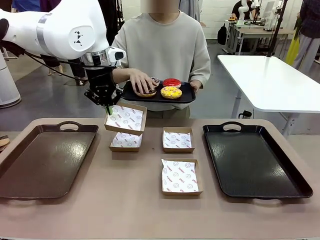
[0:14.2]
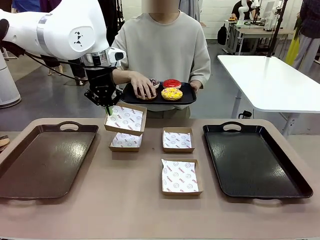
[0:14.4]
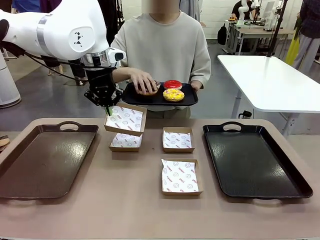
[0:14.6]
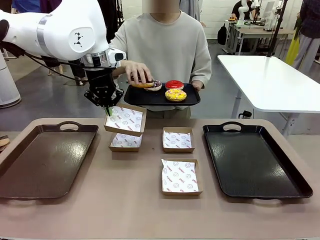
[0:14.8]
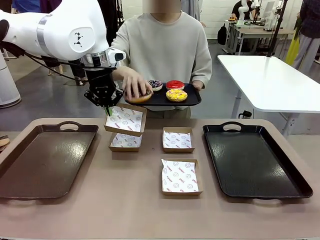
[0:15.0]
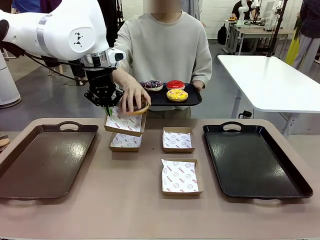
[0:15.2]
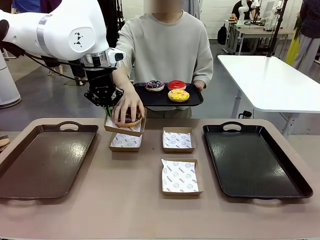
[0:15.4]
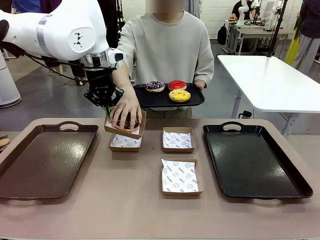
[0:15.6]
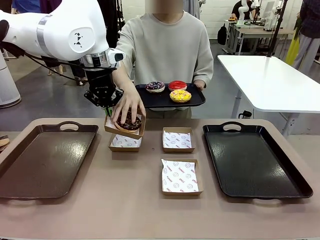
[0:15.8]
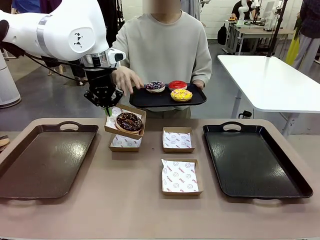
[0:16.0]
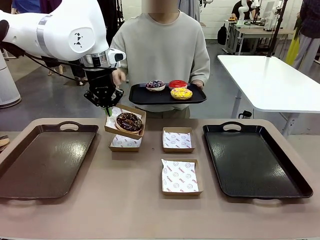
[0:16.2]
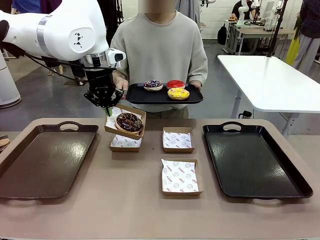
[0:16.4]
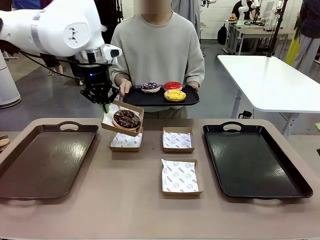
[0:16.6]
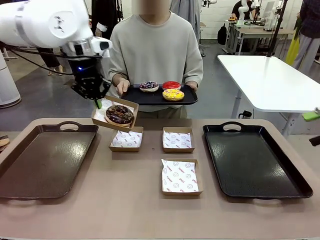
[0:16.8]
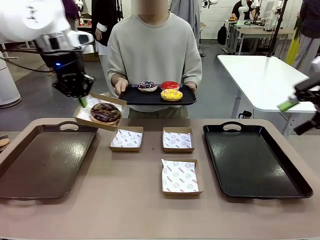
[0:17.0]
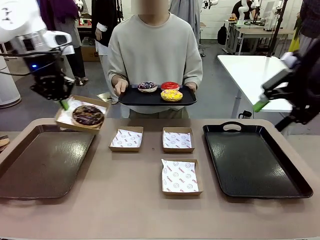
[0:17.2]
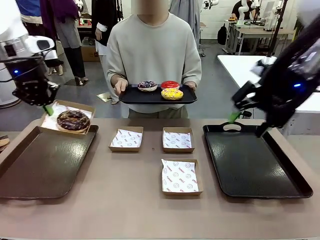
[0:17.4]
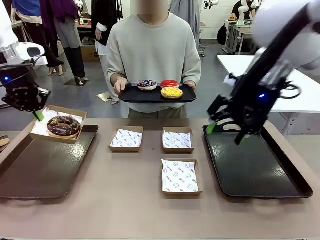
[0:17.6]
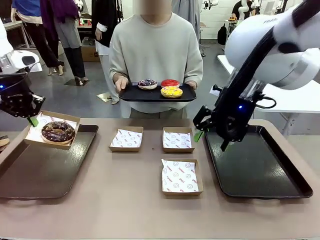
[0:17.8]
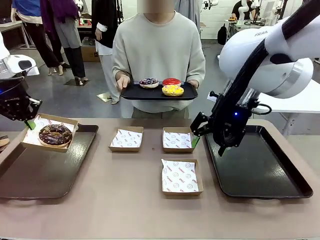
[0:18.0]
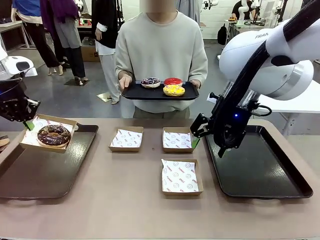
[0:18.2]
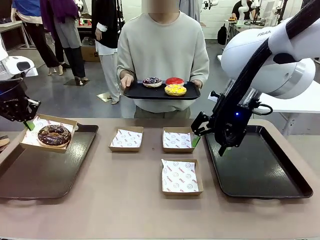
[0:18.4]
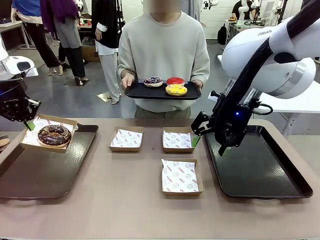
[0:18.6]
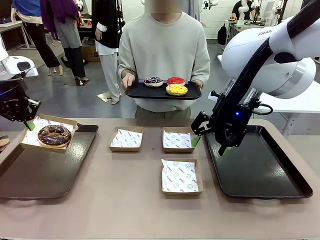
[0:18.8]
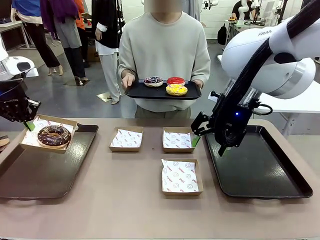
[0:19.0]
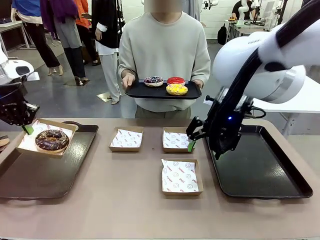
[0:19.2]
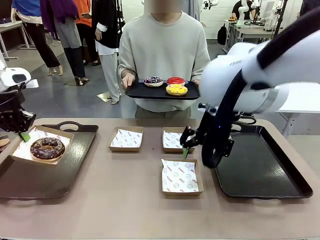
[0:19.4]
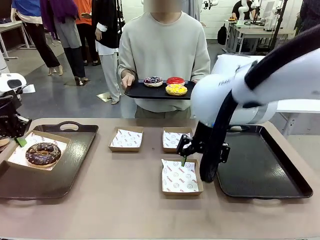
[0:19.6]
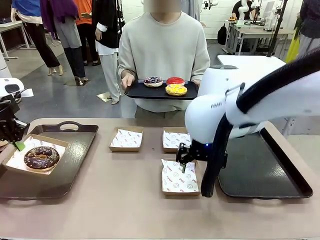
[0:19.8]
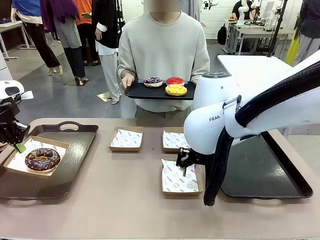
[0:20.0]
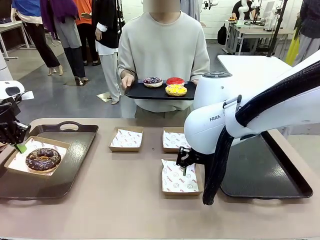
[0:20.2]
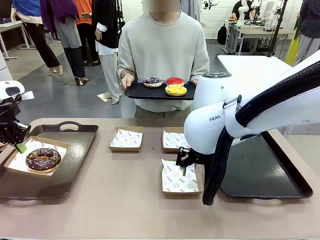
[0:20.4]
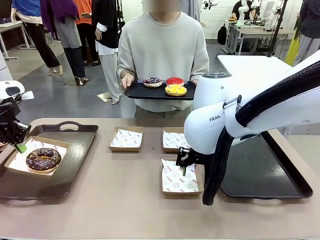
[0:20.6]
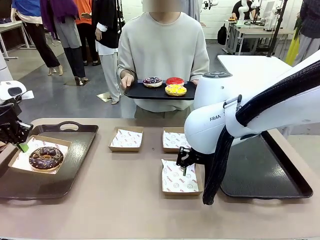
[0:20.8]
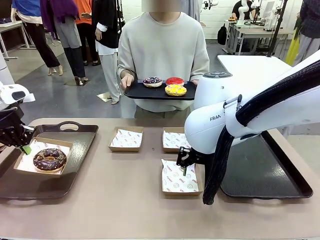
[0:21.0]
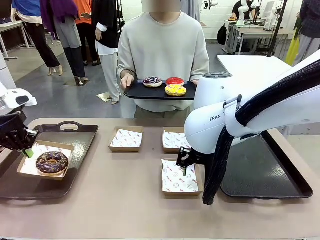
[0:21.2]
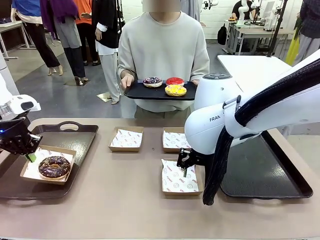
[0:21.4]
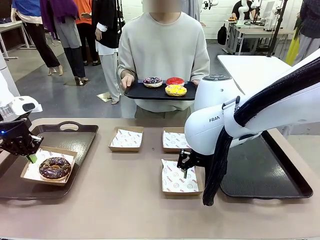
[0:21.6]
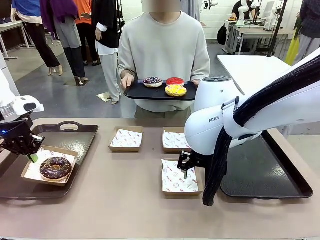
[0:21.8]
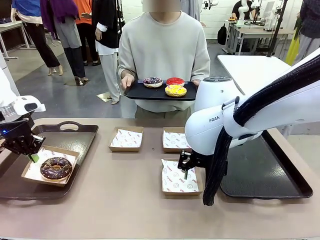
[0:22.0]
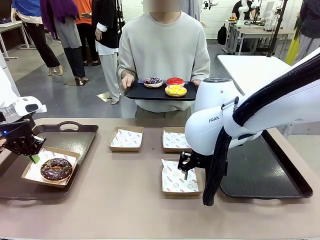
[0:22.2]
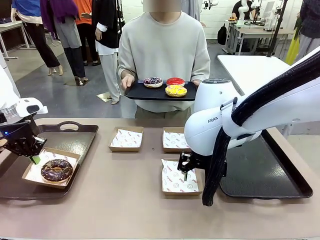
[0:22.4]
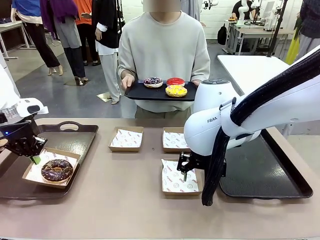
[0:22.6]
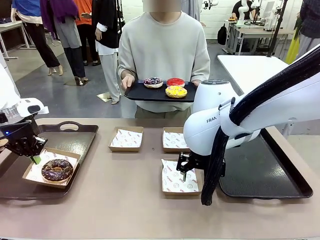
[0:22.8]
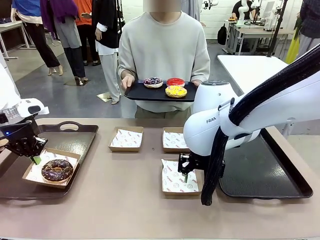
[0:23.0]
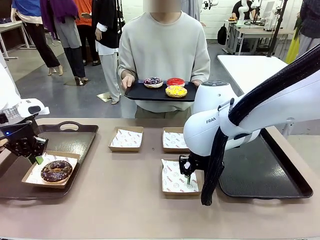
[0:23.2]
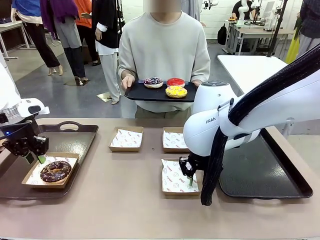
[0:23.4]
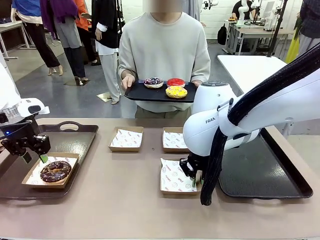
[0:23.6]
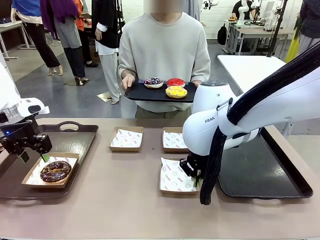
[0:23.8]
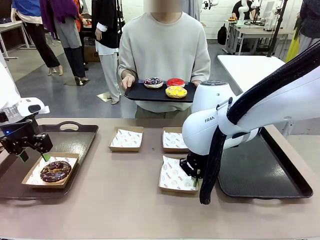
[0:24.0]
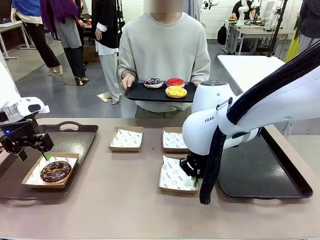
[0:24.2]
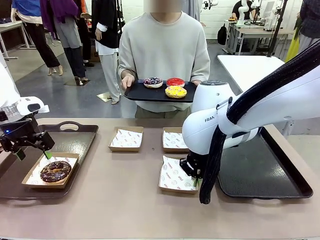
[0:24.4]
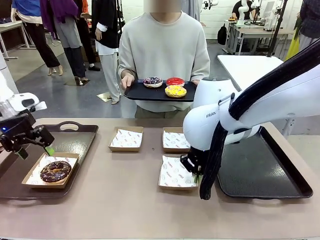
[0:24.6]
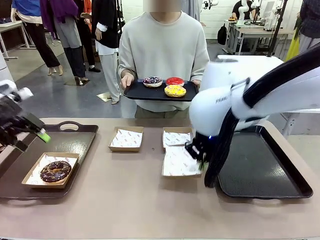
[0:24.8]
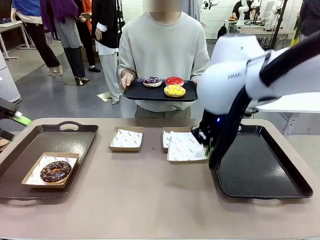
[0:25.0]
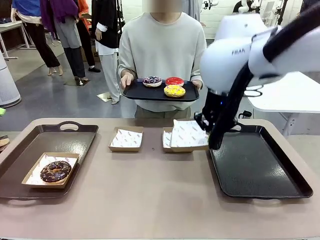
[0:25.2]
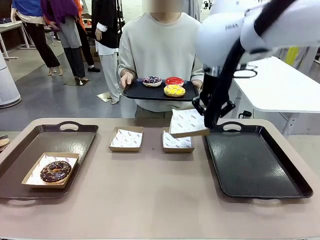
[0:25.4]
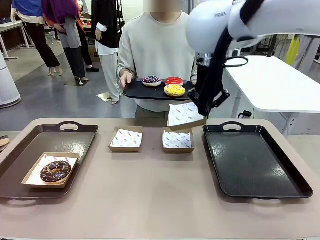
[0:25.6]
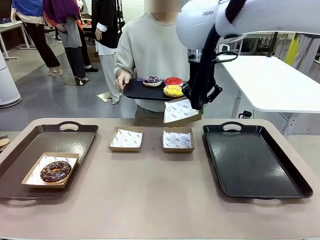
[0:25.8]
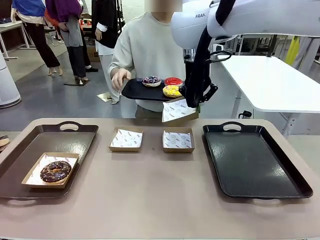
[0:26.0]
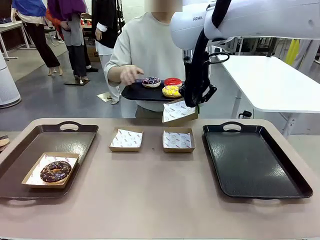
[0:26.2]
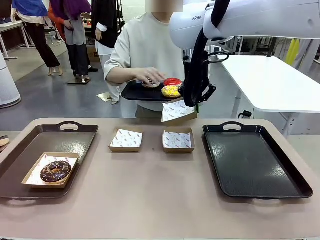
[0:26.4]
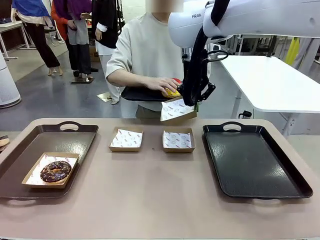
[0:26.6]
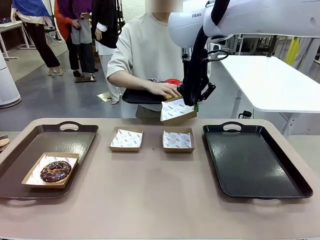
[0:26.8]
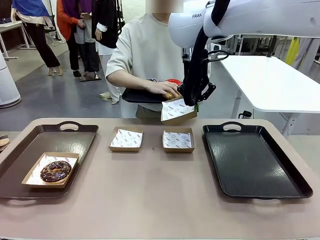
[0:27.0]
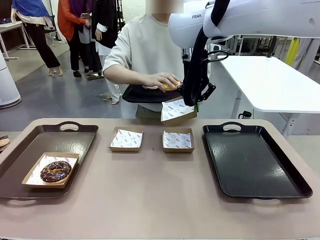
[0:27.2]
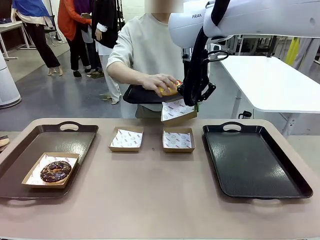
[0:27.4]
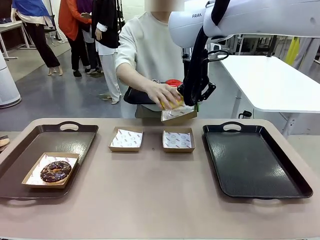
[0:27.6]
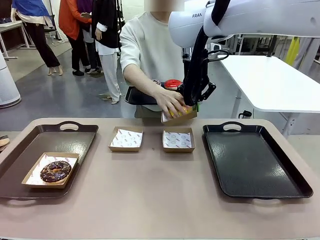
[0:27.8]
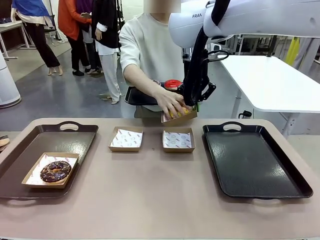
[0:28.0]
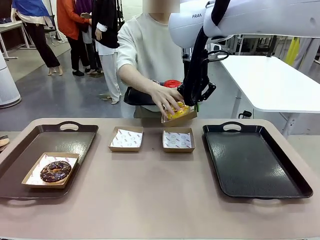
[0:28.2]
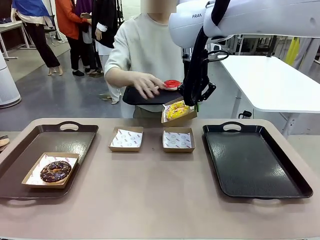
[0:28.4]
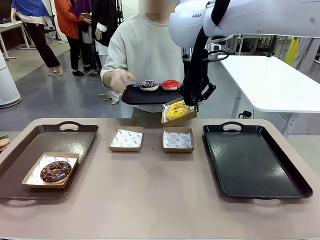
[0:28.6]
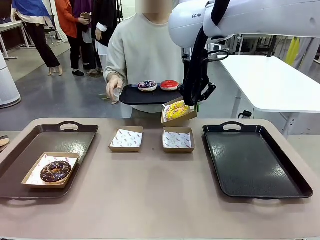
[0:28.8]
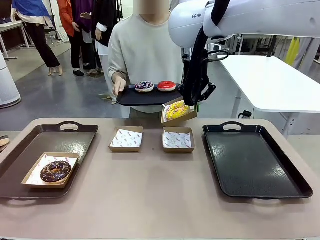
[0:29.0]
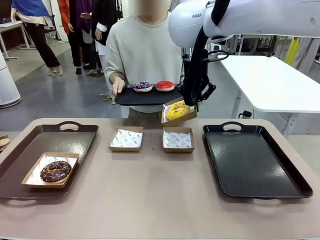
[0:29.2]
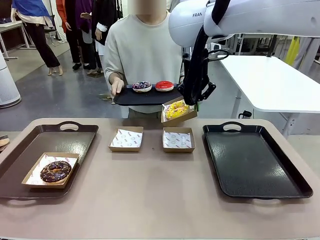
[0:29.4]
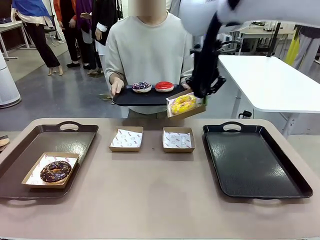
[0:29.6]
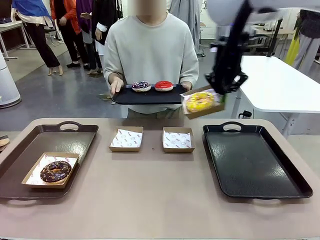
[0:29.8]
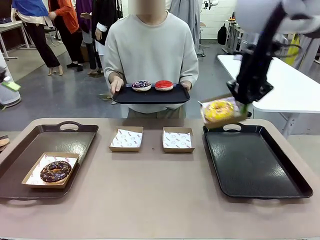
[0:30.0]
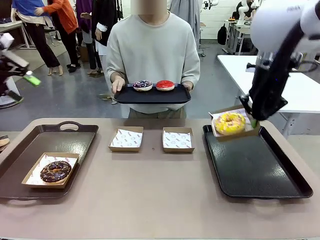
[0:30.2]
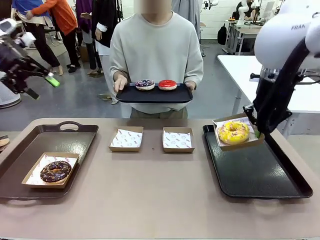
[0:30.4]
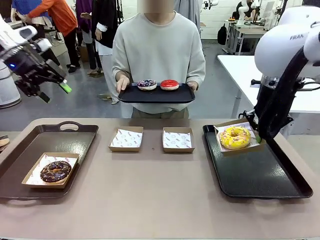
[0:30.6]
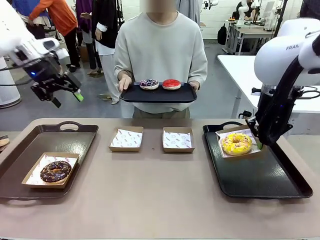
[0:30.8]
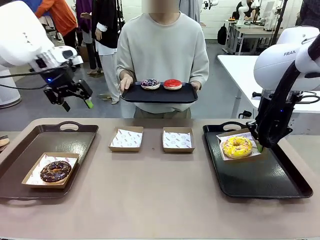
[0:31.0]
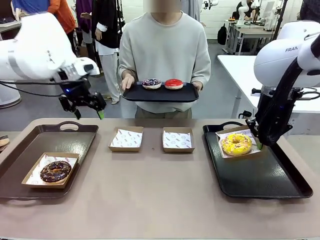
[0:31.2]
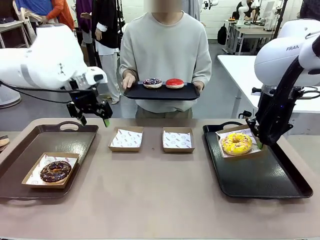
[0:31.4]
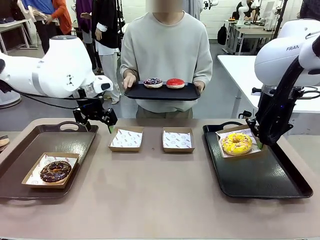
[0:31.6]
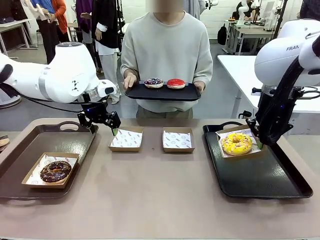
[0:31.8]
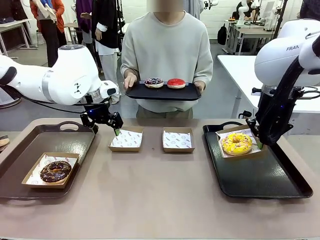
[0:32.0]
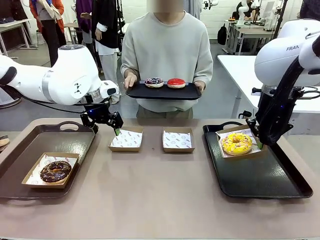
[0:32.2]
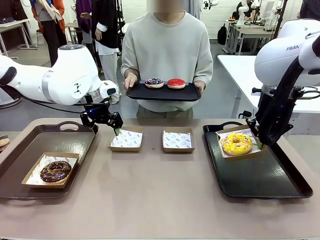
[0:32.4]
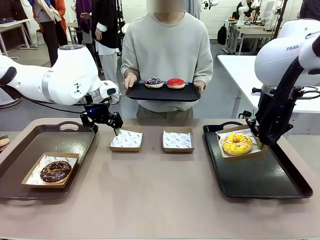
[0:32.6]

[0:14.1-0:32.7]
Task: Individually package the donuts and arrange them on the tray.
Robot: Place the picked Paper togo box on the Handle tray while simultaneously picking up another Paper togo box from the table with the other hand.
